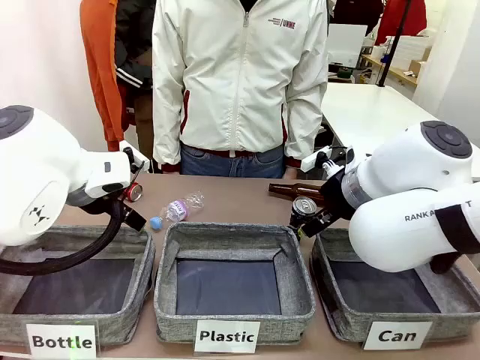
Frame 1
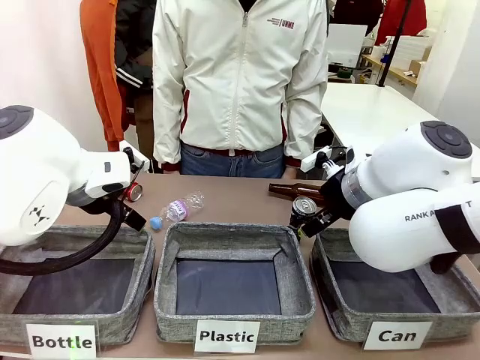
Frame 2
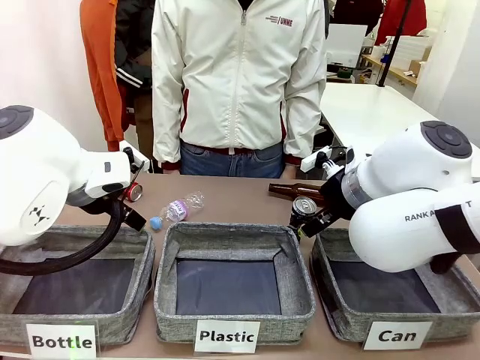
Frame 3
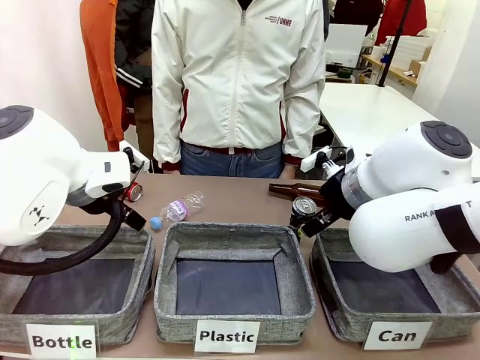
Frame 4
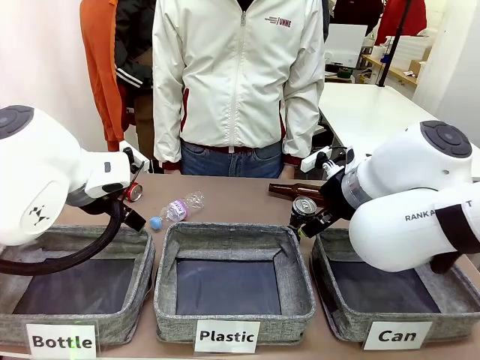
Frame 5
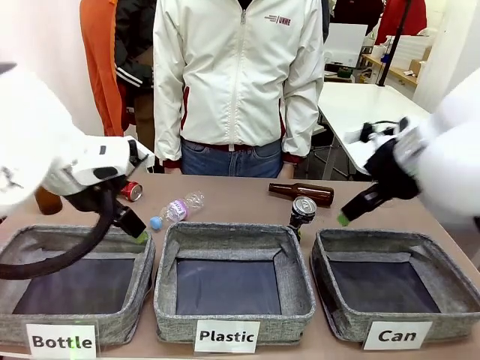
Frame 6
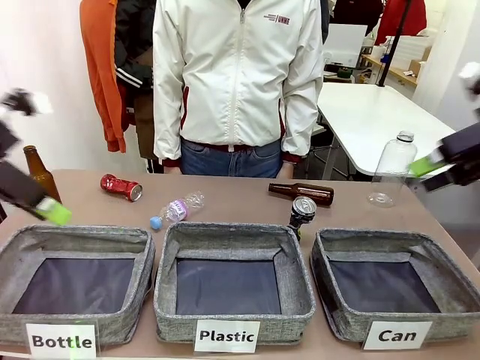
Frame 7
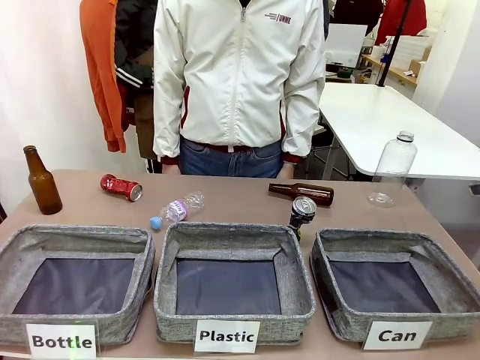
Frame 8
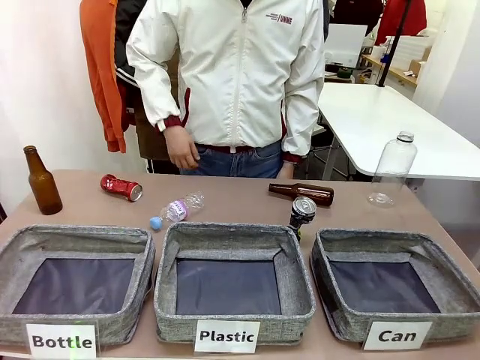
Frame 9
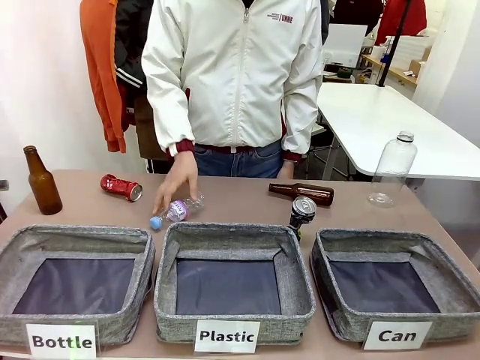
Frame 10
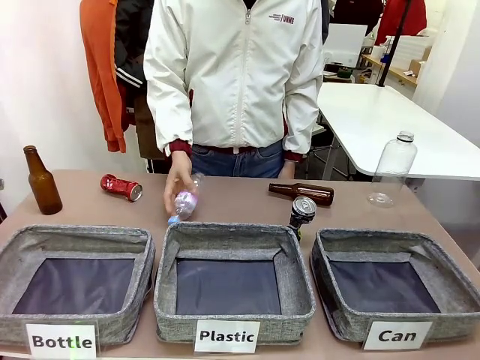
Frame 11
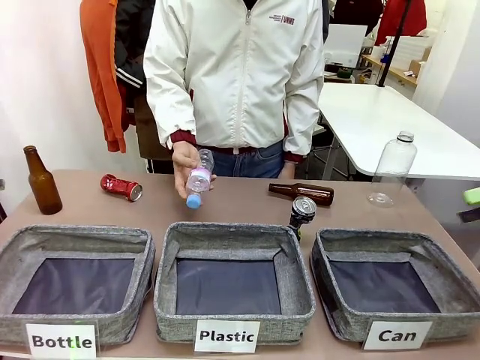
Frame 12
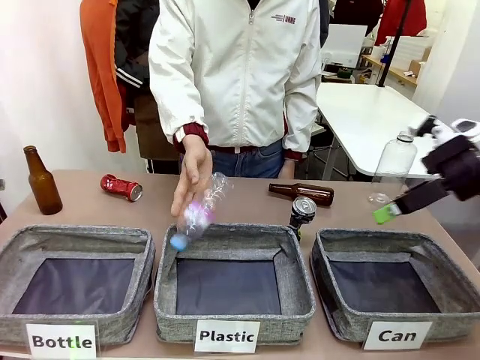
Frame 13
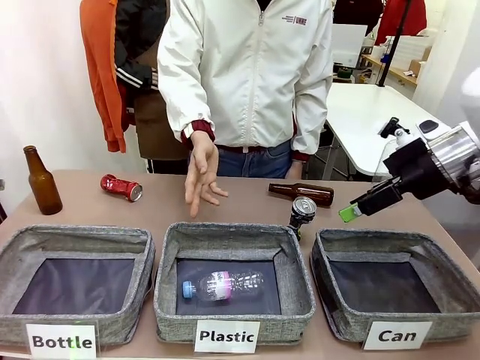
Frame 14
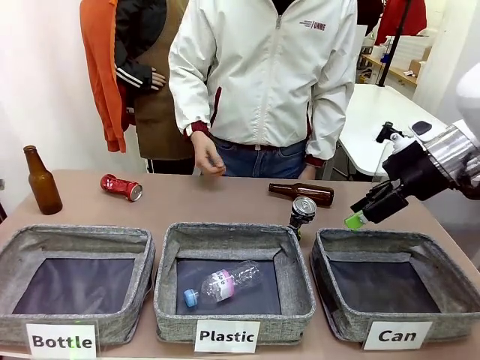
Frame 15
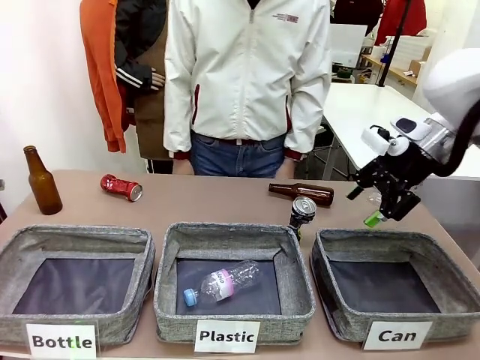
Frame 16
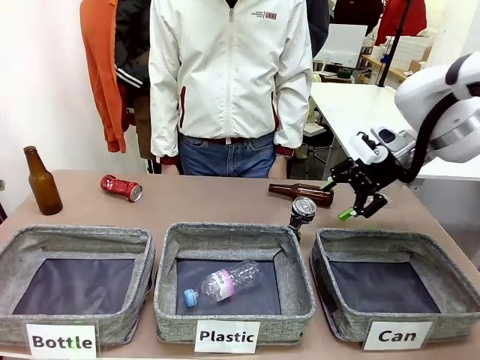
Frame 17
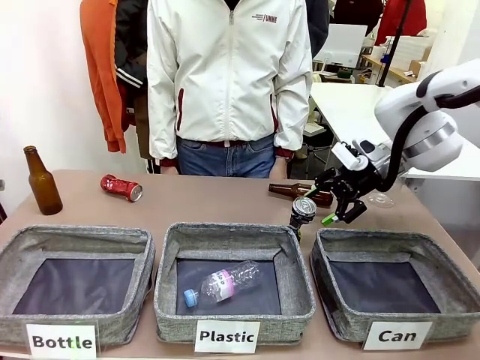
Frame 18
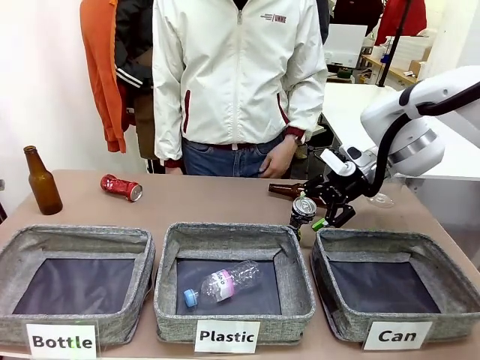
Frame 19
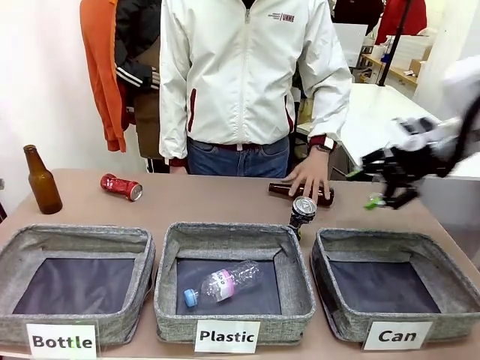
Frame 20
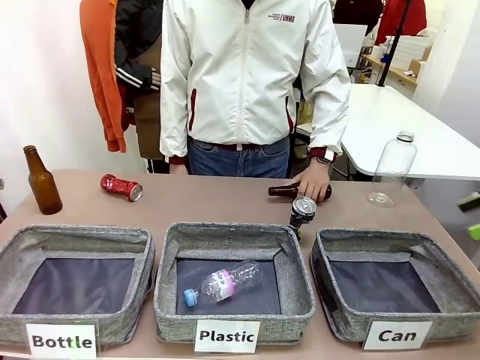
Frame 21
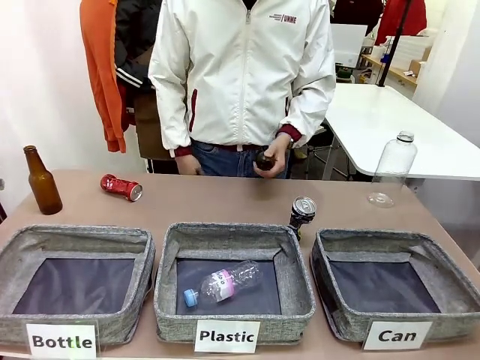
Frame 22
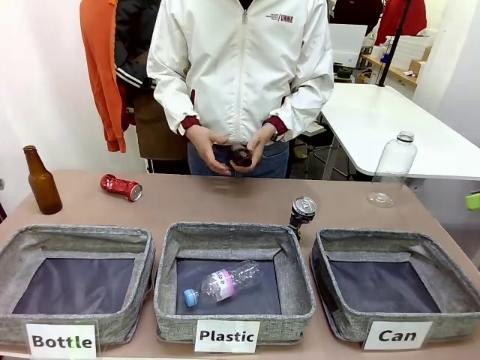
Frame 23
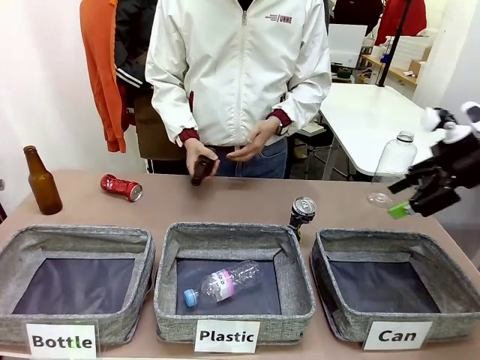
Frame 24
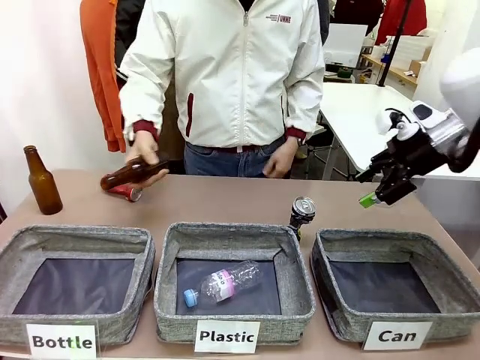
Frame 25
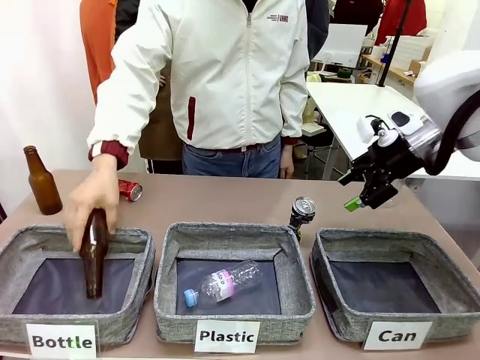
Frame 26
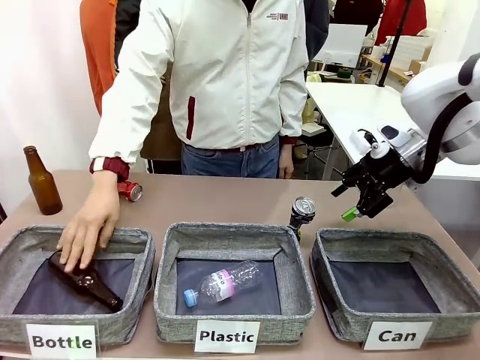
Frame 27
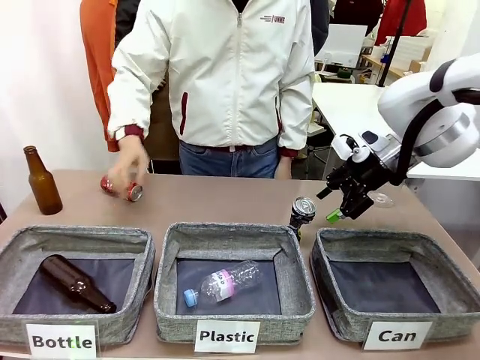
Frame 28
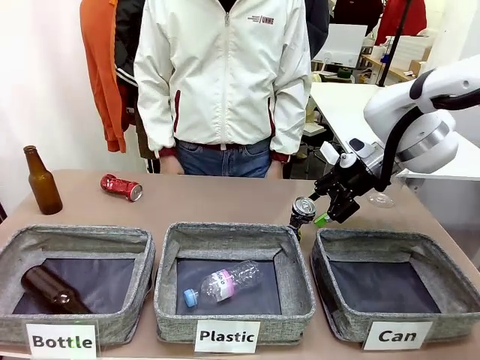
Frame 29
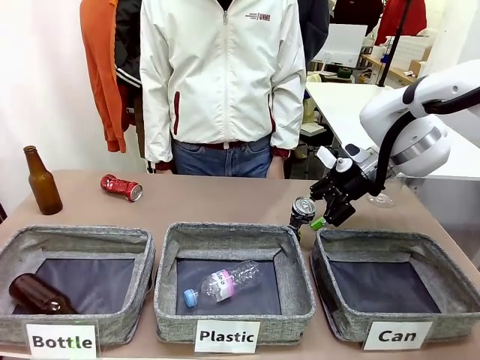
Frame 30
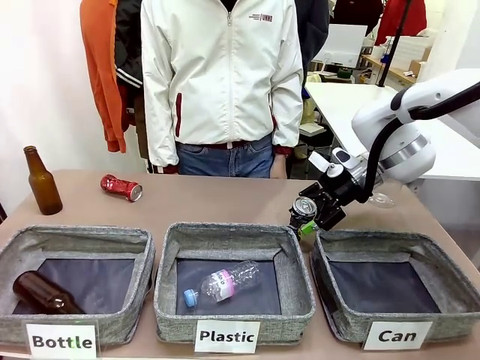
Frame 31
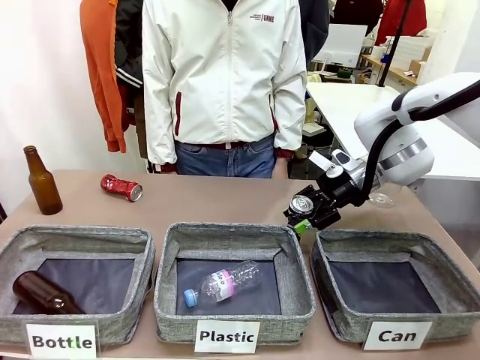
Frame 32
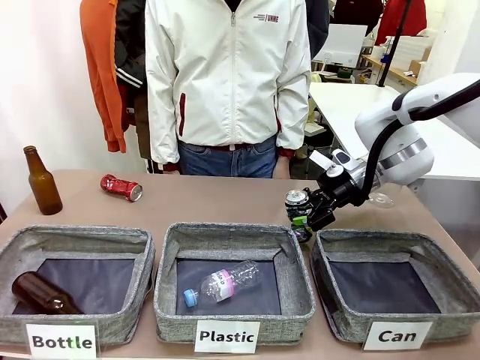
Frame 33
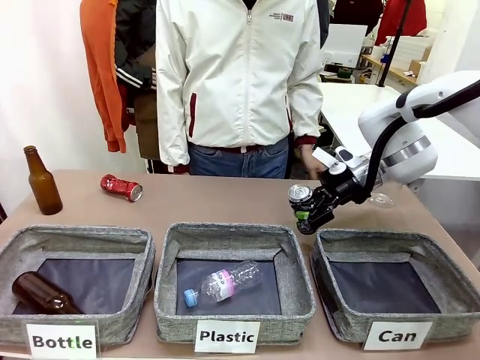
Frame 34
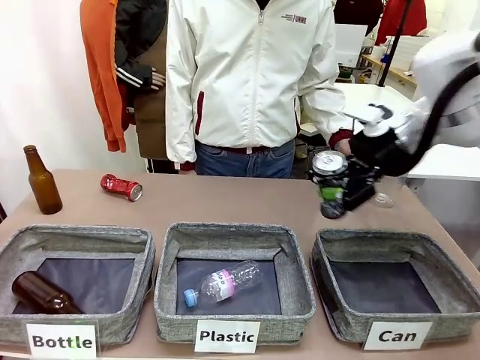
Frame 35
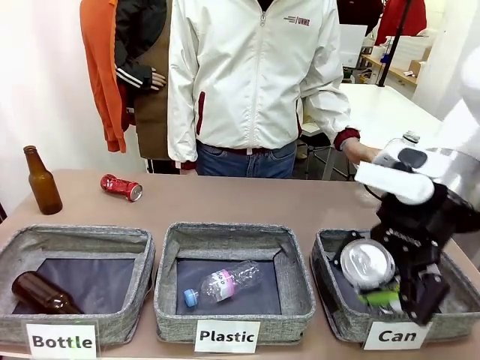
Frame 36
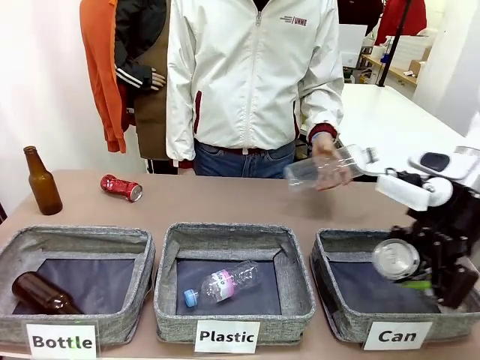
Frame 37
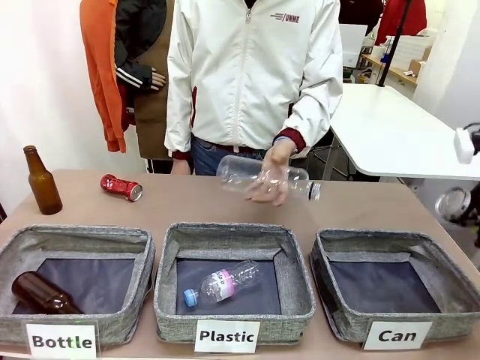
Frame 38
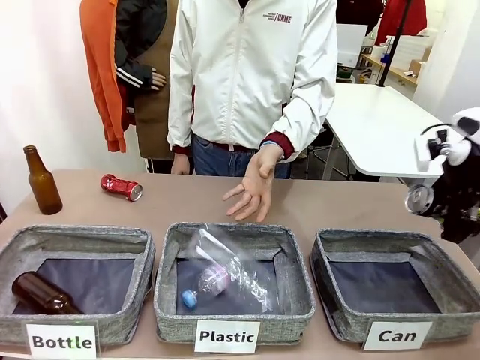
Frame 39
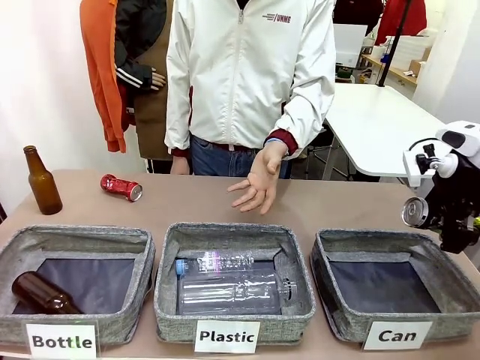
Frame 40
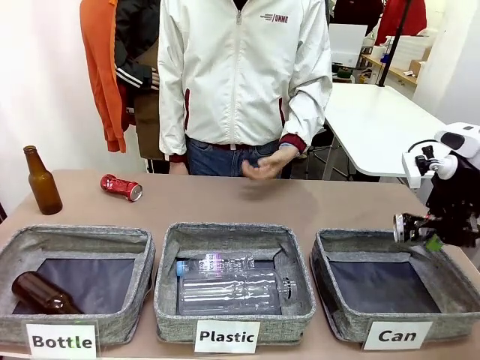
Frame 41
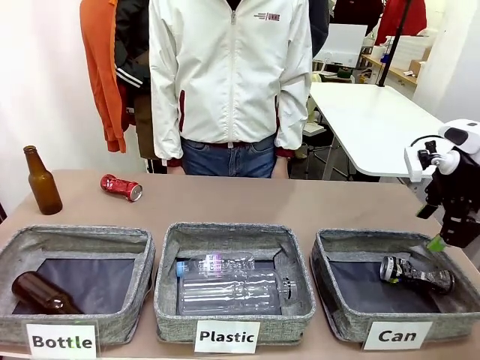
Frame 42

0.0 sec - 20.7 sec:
Task: Sort the can waste into the basket.
Robot: Pick up the can waste from the table and place it in the right Fabric basket.
